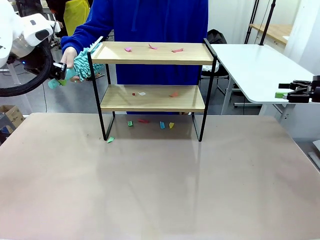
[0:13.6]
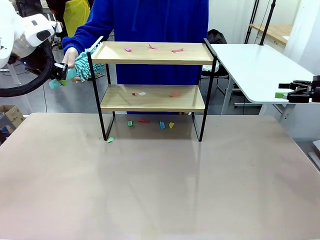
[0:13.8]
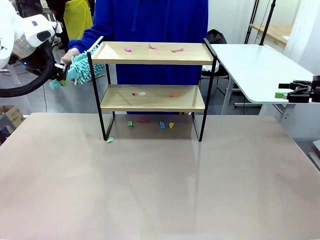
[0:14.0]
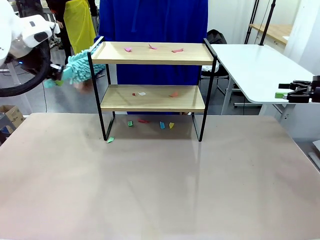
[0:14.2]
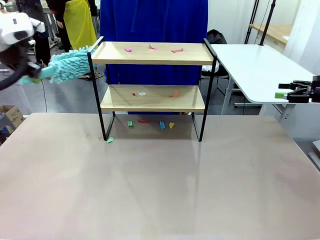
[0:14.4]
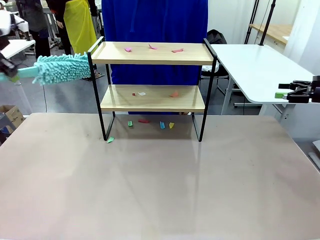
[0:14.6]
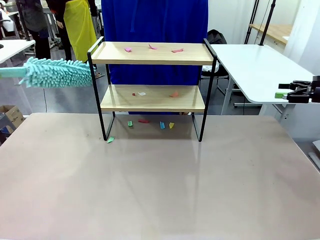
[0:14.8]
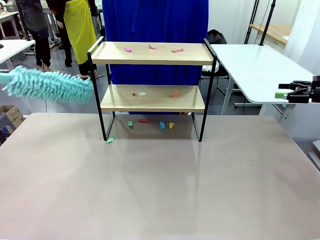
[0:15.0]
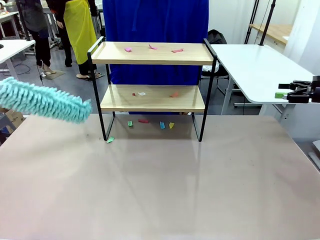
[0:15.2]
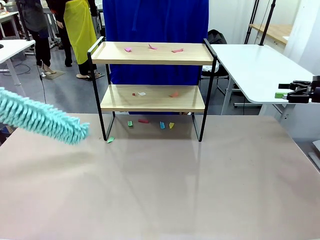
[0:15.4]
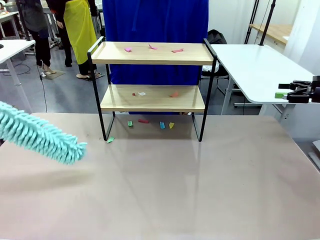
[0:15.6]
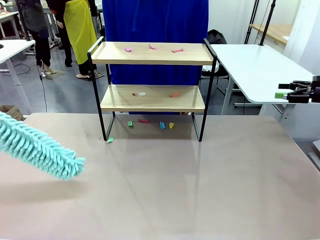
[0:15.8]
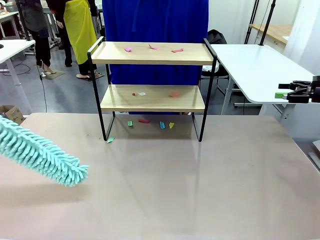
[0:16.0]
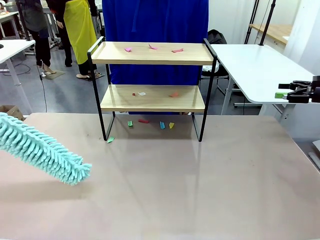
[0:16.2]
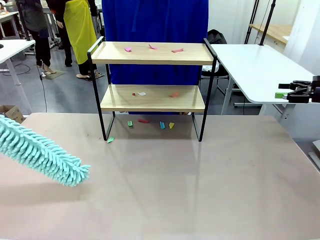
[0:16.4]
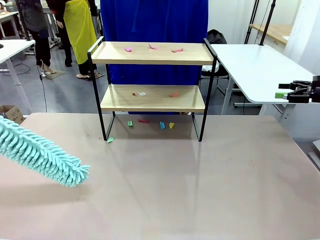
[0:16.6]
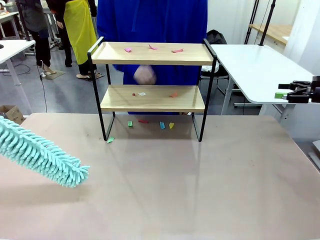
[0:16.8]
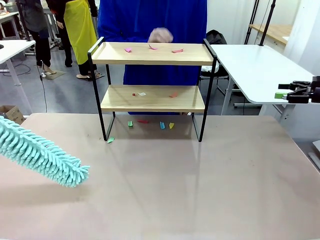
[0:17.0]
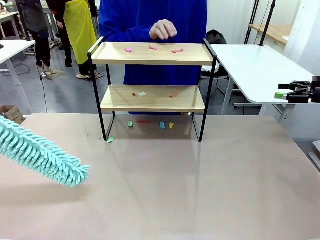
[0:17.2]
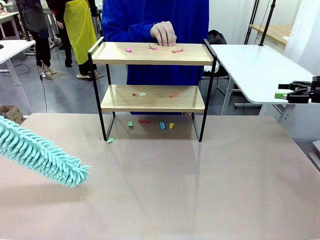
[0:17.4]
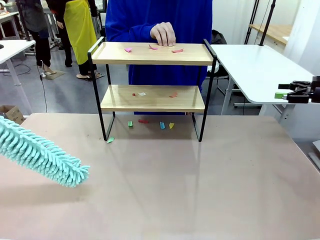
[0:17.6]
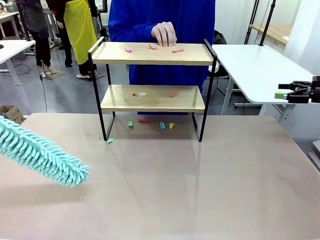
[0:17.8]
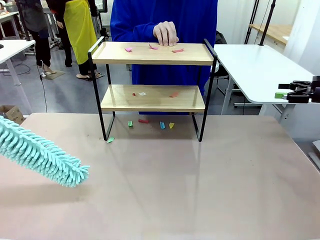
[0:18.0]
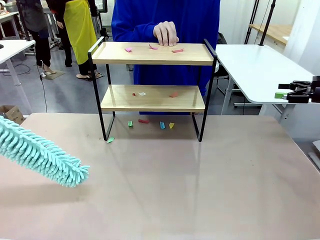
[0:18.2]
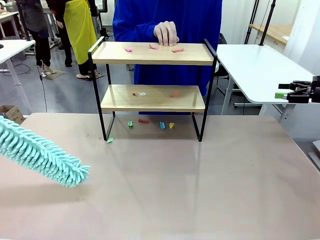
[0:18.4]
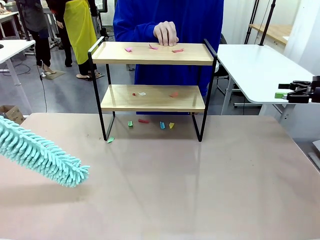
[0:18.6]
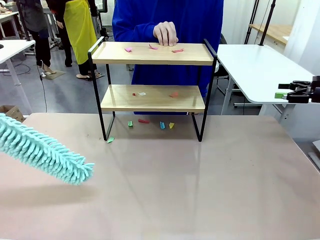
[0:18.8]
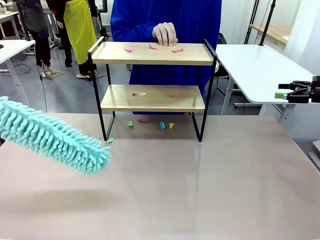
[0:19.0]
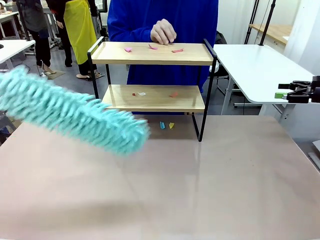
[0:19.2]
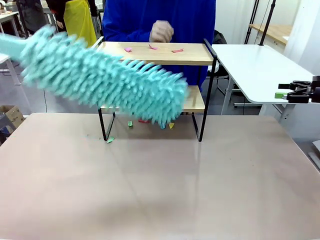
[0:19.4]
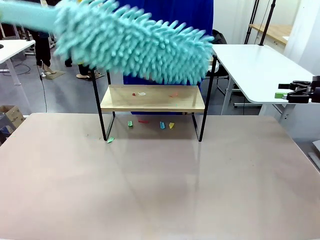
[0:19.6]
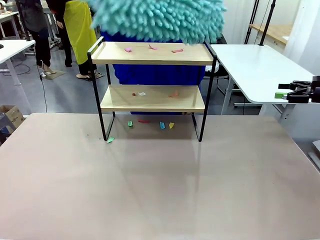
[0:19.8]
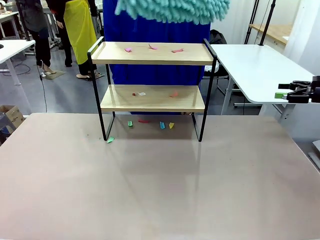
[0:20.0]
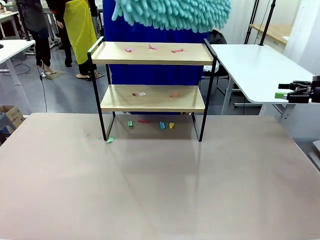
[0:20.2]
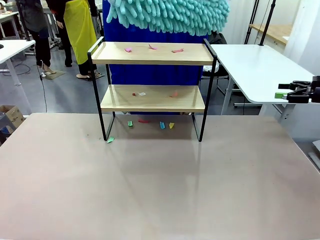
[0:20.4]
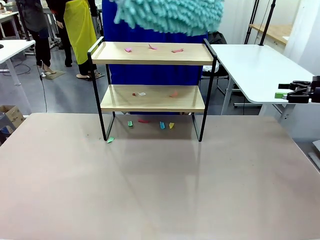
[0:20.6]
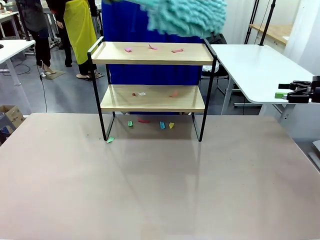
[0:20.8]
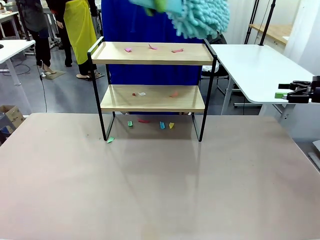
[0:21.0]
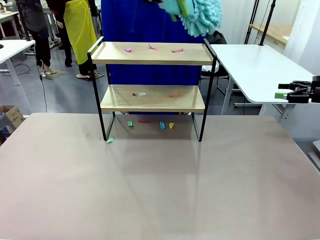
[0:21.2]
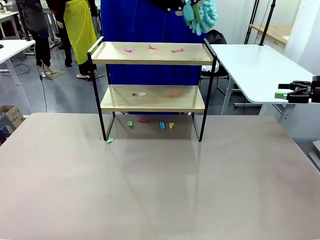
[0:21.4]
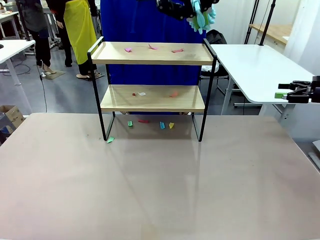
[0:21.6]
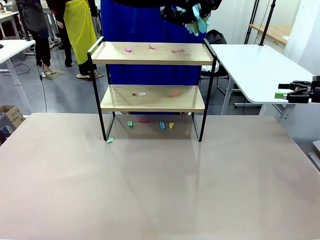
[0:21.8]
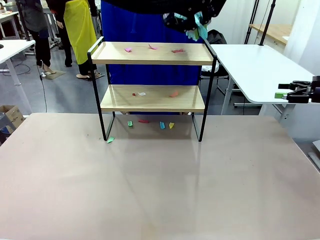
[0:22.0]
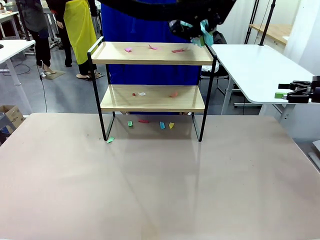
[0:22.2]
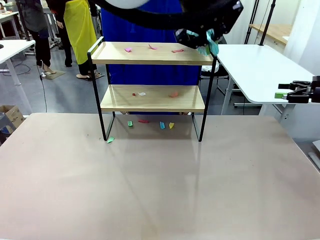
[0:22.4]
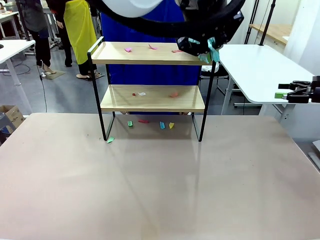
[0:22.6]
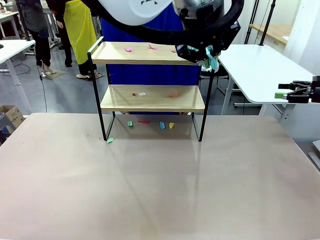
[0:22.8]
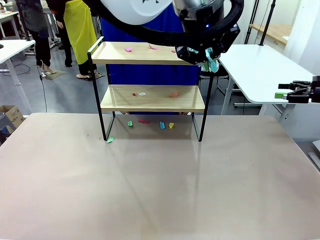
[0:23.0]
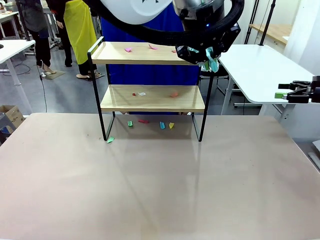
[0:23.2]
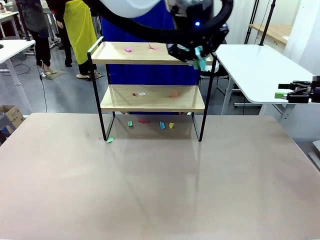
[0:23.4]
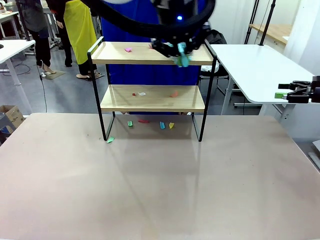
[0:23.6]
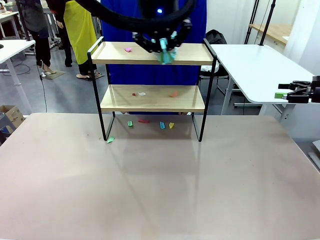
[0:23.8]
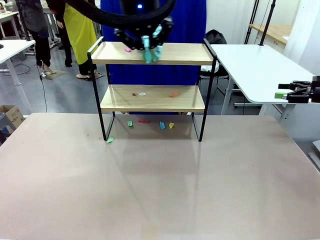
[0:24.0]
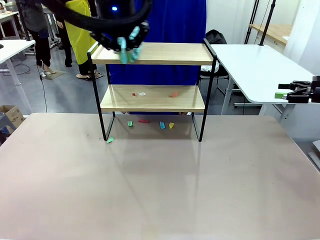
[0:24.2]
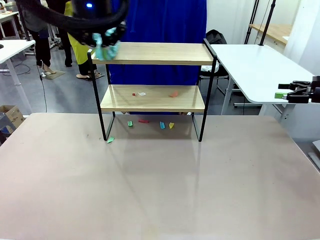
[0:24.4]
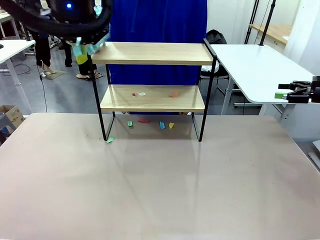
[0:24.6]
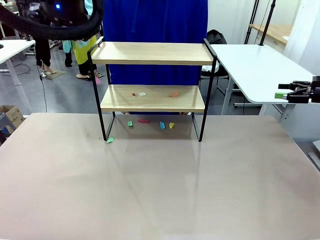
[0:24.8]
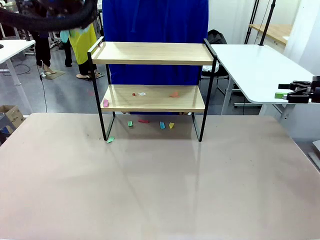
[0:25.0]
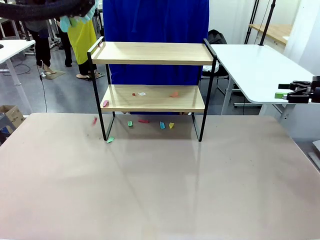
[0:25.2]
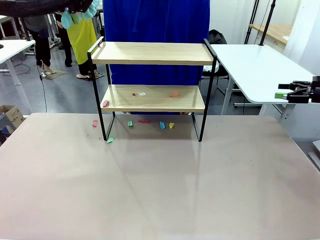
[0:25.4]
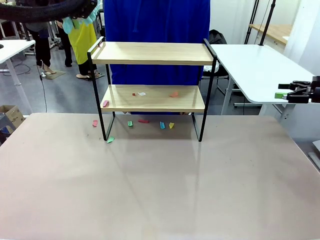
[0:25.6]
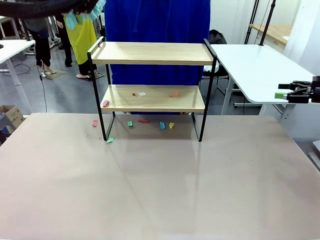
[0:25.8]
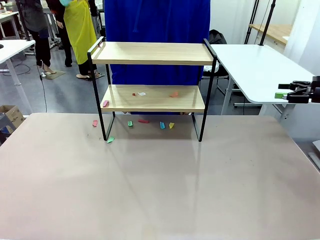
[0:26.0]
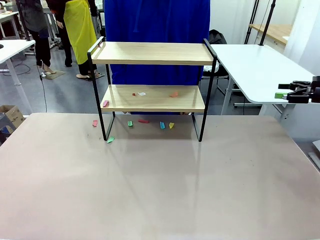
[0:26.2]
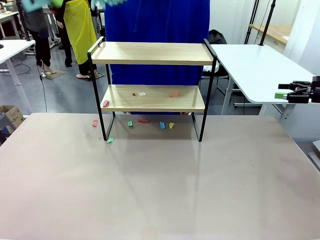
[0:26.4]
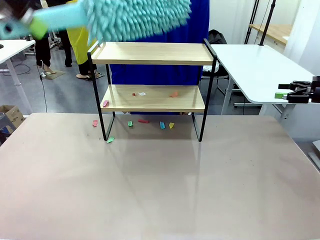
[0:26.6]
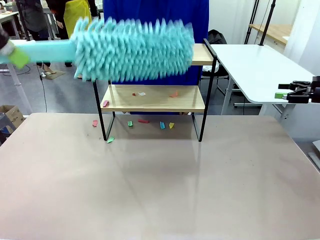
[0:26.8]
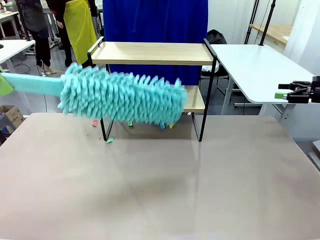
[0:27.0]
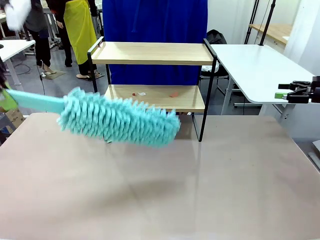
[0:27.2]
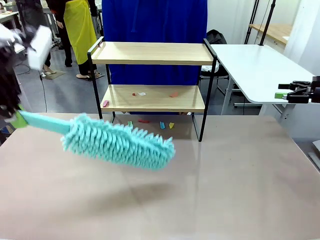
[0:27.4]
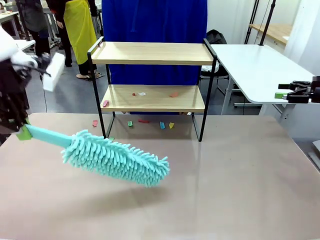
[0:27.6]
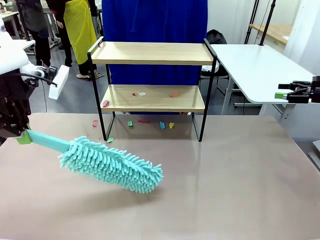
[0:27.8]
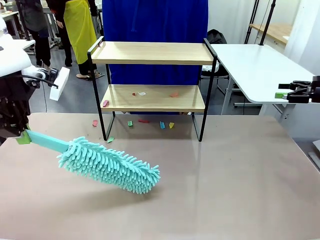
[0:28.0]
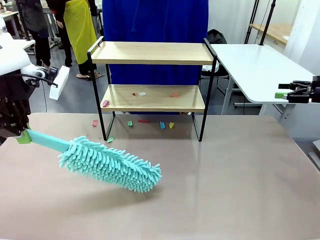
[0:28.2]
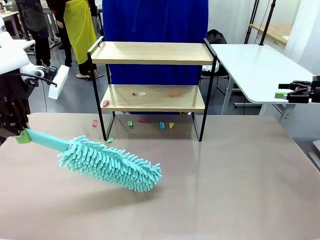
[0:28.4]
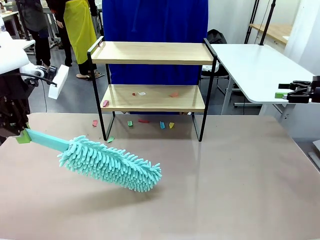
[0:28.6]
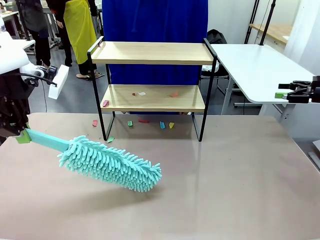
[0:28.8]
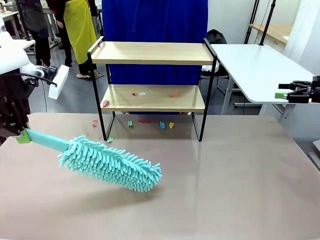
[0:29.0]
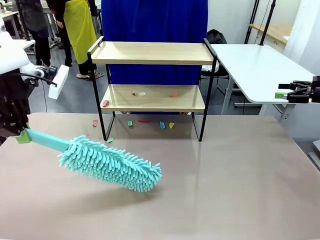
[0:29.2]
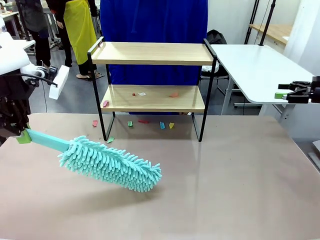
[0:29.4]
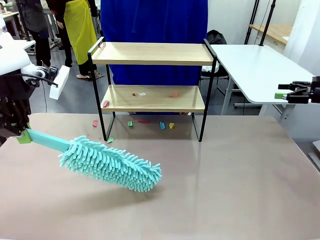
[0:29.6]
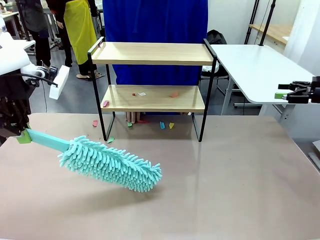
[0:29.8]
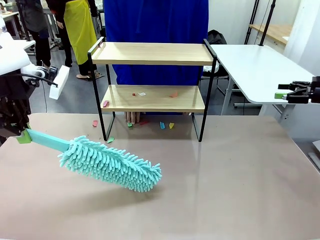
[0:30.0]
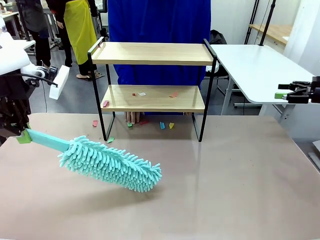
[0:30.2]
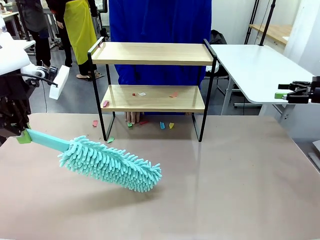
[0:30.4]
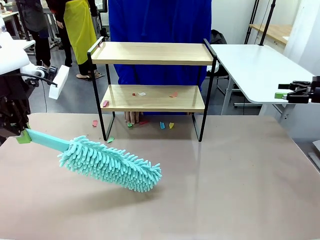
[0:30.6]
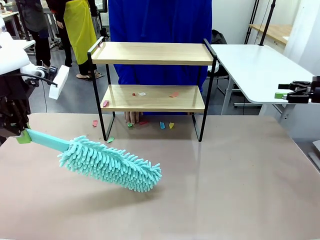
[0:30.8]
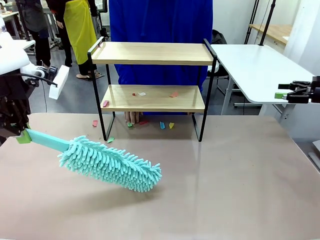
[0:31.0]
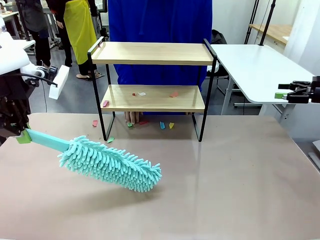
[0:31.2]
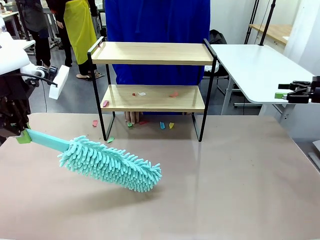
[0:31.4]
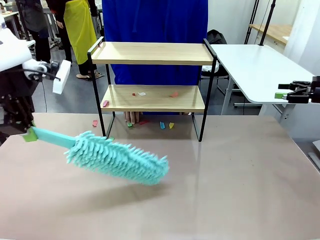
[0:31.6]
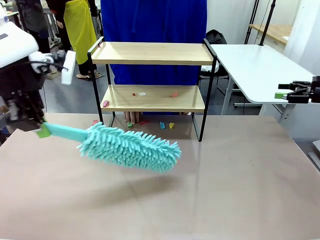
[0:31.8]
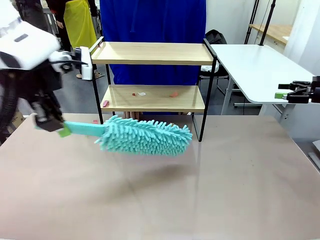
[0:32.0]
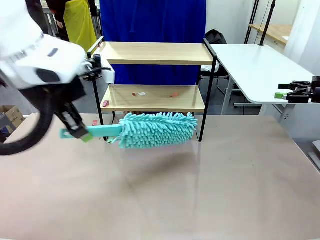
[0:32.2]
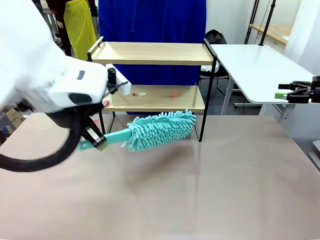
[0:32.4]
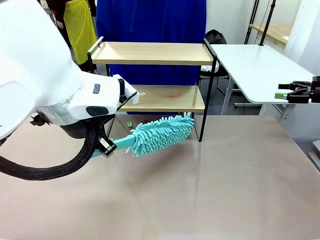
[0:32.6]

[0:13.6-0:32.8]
Task: Clean the shelf.
Robot: Clean the specific section of the Shelf indicated by the human with the Duster.
Person: Point a random section of the Shelf.
